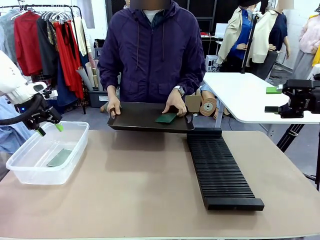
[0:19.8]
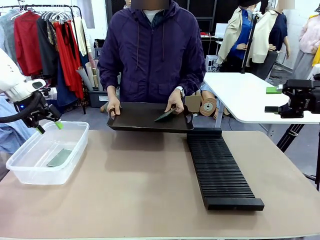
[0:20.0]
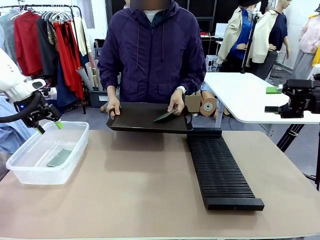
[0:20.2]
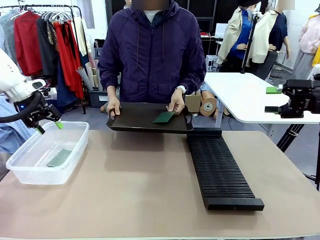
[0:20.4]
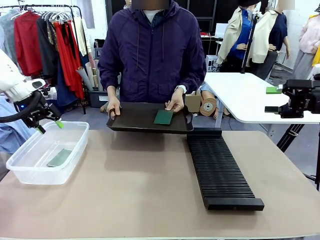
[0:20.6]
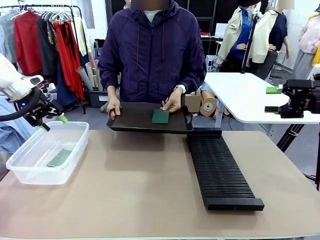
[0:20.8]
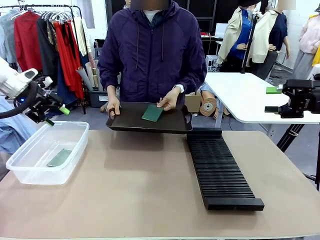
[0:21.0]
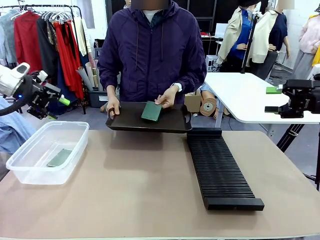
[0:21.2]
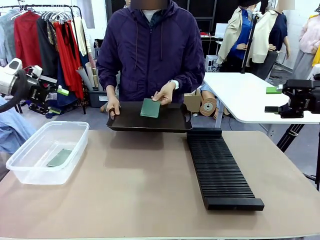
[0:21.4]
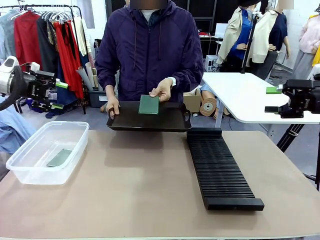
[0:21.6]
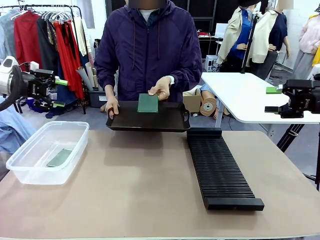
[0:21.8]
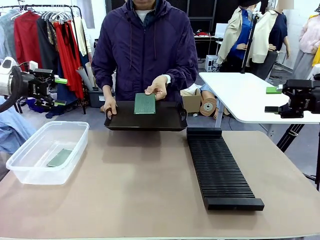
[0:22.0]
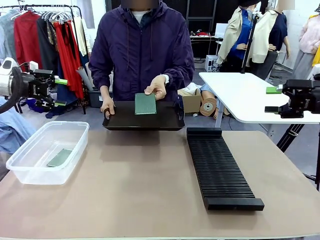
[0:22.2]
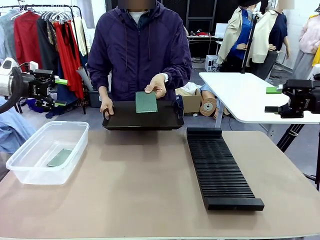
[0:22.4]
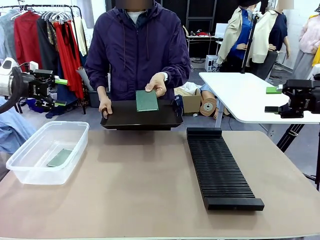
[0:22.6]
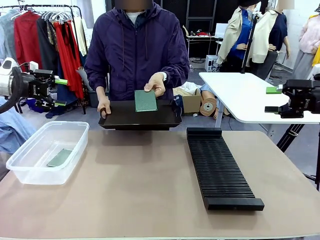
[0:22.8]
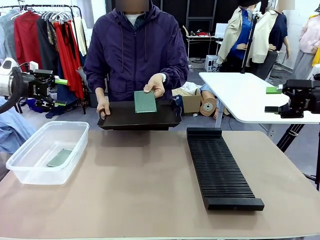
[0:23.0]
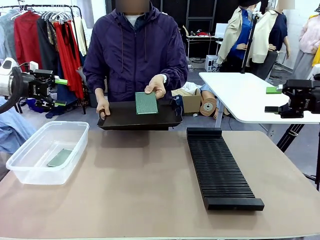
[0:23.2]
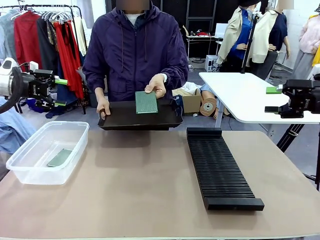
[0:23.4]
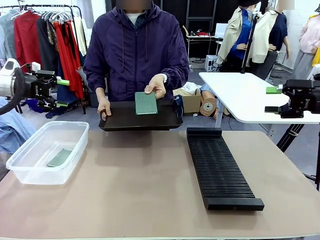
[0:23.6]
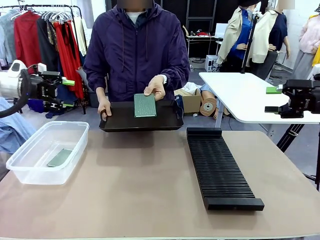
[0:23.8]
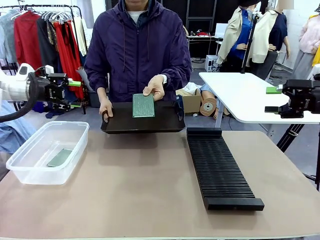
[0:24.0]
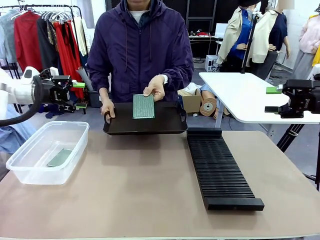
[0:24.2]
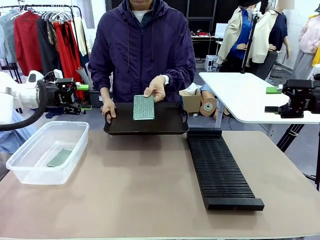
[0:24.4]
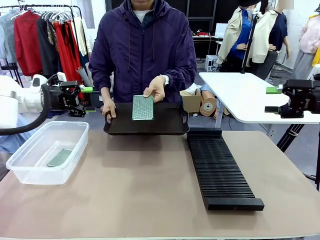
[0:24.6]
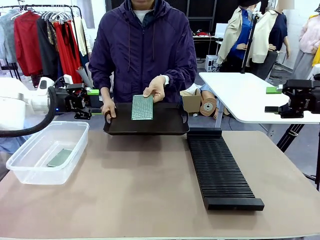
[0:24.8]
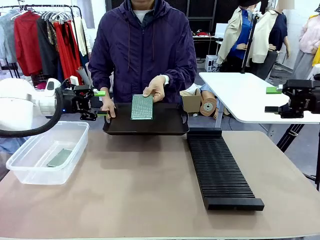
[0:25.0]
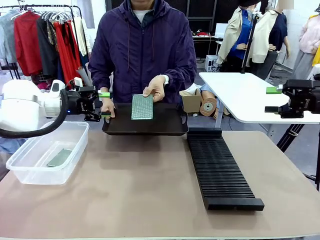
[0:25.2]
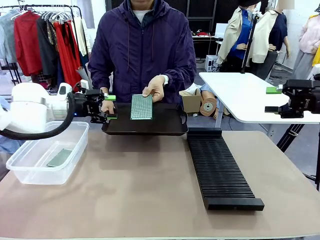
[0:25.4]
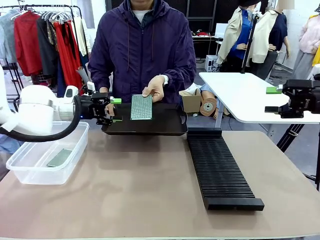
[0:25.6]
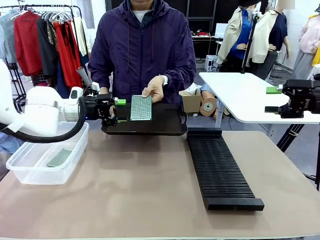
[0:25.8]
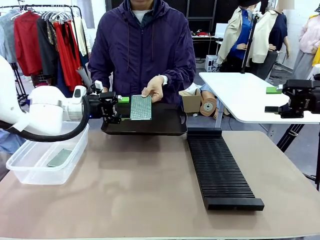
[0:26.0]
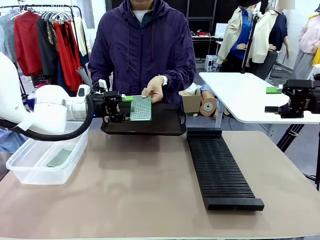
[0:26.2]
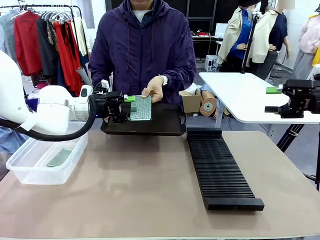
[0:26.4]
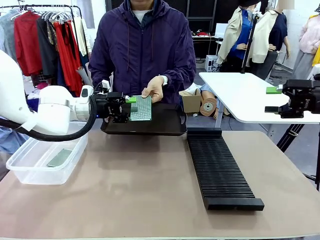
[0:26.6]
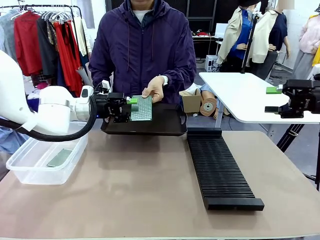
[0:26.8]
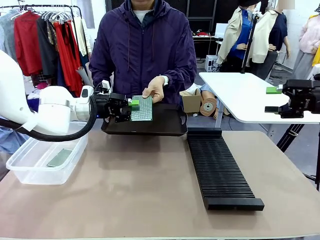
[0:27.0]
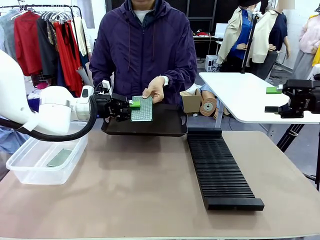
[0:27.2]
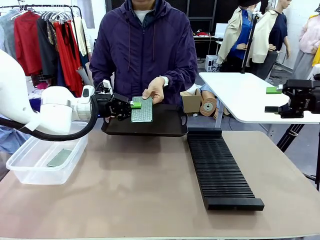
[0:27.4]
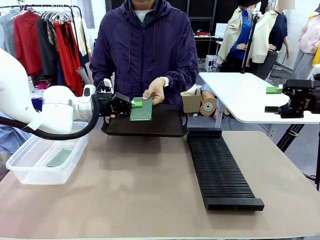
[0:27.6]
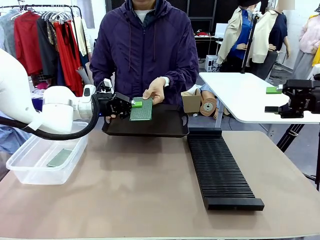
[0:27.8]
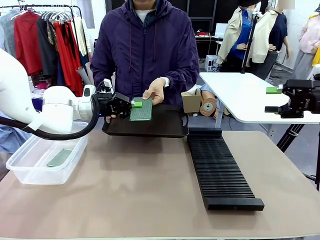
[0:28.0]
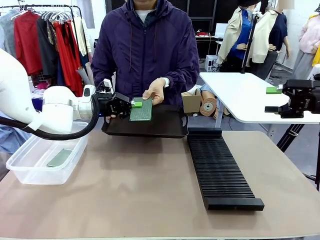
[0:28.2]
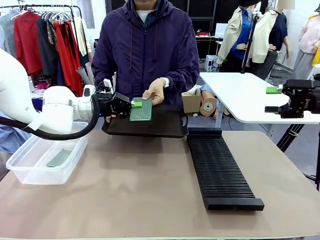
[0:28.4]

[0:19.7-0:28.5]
Task: Sort PCBs into racks and boxes based on the side picked up.
Robot: Pick up the Blank PCB handed by the Human.

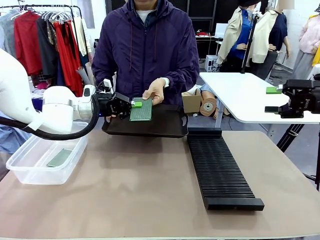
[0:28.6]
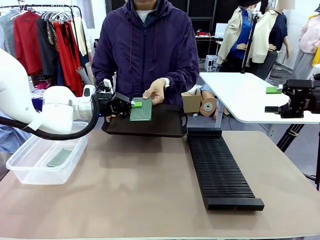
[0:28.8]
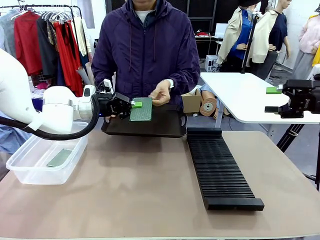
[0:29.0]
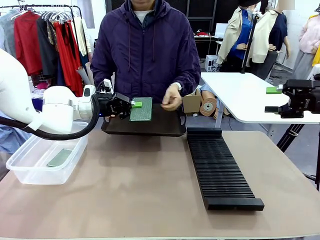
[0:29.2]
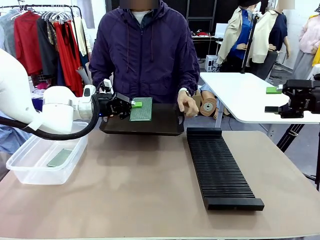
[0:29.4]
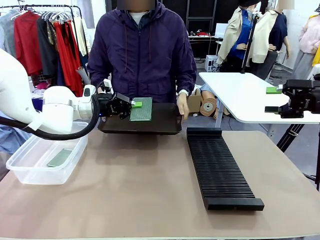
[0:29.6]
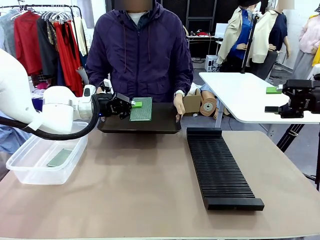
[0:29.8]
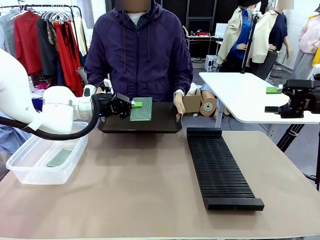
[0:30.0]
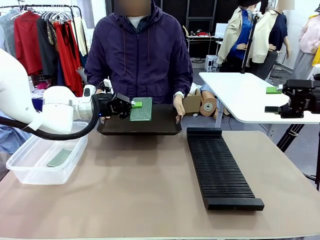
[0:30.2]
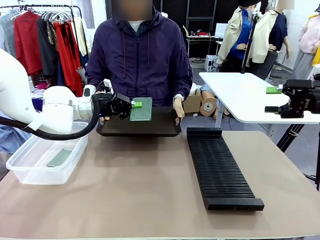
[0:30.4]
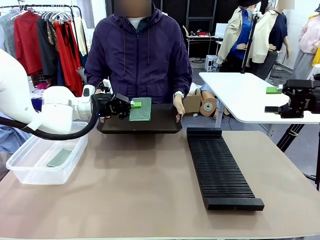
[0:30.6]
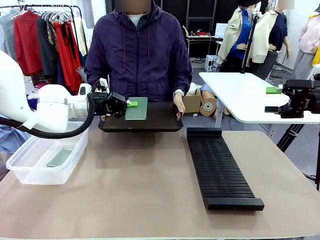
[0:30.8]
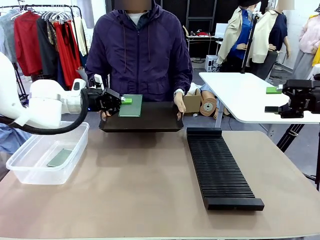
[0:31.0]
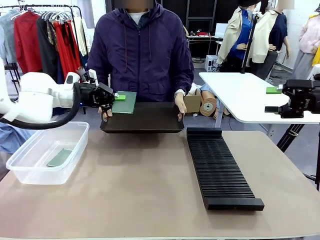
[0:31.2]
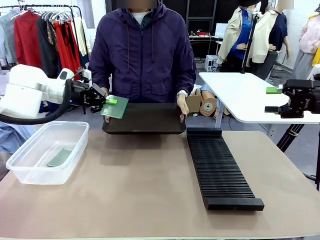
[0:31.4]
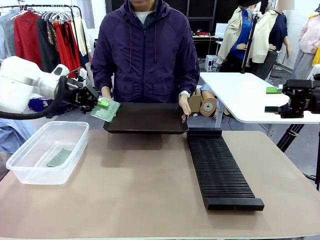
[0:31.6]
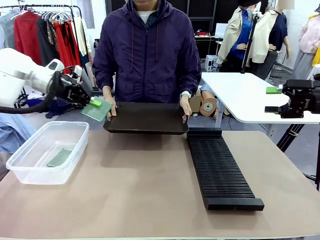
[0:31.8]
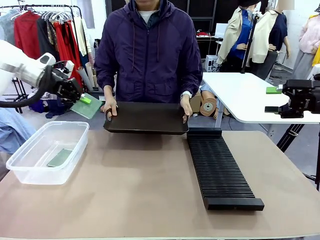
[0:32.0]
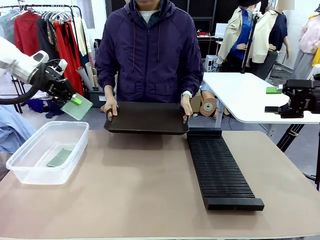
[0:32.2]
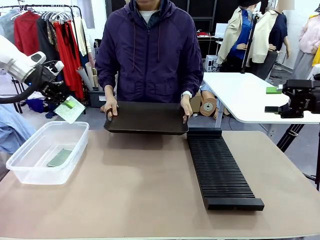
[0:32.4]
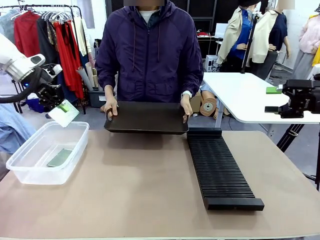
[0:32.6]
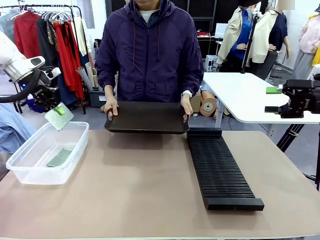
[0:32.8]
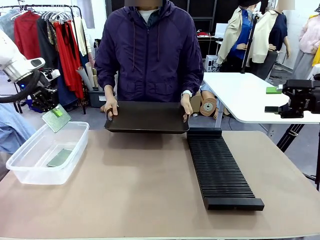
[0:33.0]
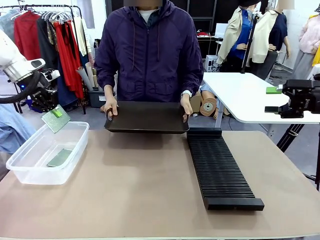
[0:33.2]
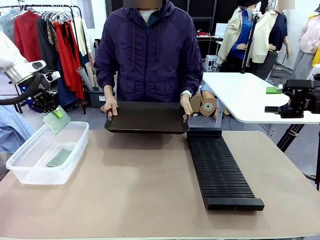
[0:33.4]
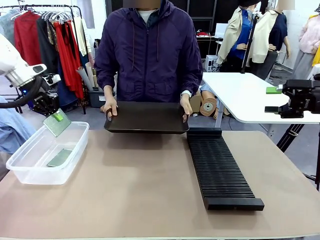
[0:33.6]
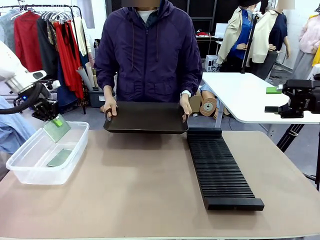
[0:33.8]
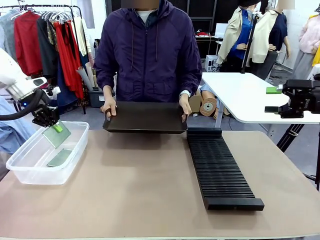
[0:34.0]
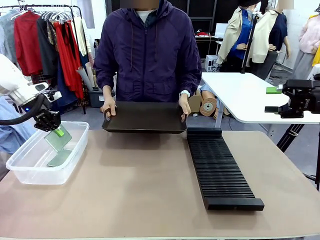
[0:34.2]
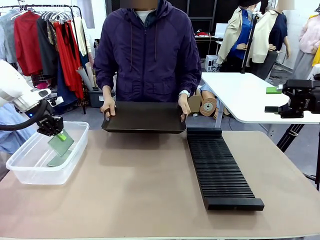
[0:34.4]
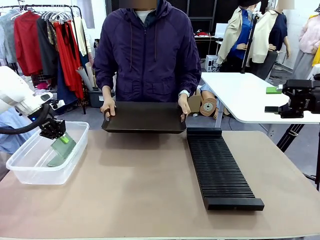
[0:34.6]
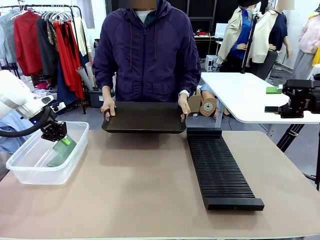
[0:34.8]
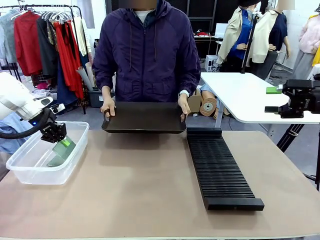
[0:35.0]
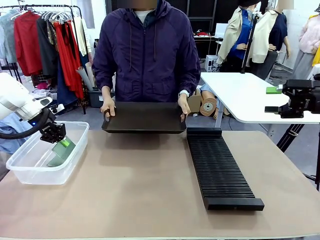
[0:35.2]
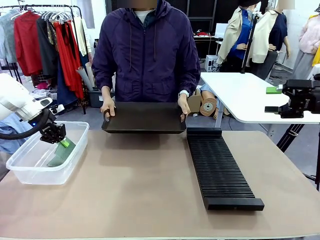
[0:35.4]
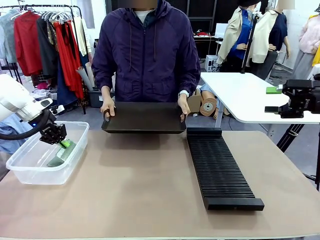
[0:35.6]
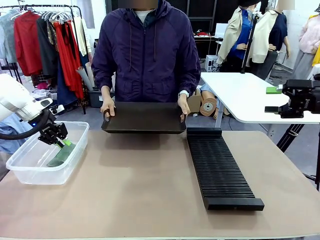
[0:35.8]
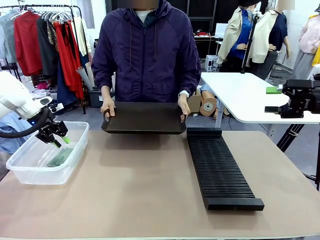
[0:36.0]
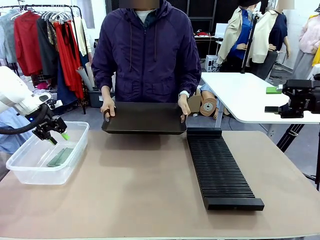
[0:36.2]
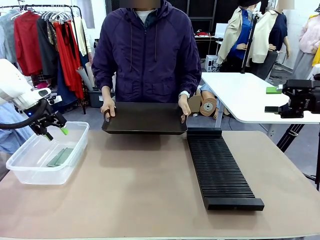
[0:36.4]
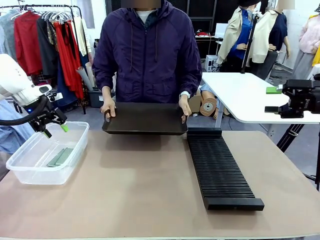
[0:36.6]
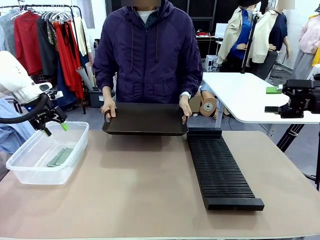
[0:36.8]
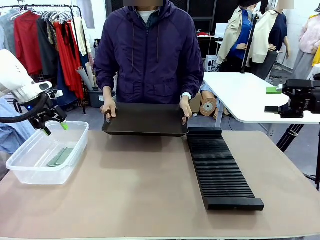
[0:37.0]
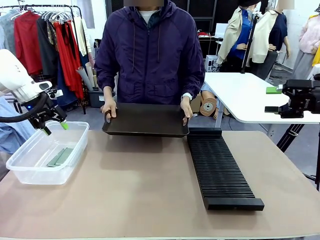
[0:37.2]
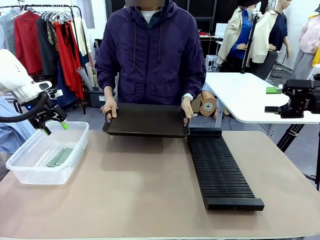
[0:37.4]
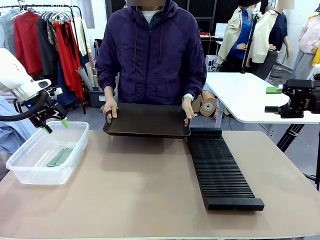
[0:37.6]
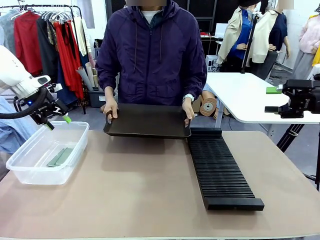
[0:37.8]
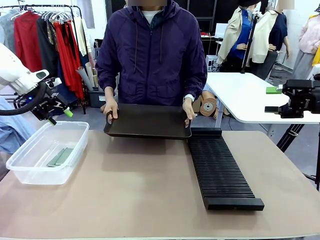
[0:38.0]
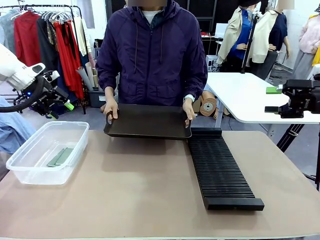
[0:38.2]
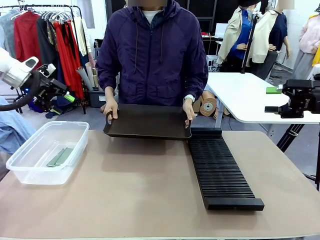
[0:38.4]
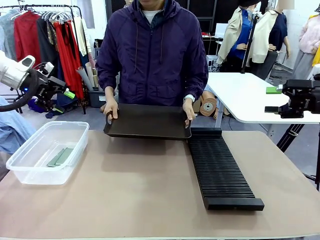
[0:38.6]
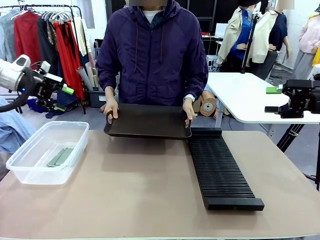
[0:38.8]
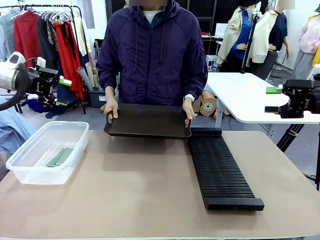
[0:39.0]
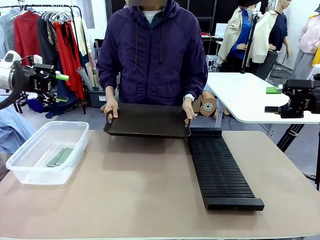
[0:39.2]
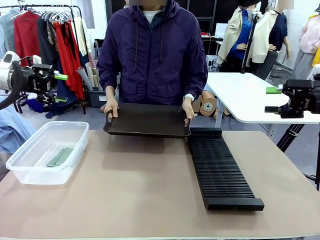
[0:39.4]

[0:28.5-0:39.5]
Robot: If the short side of the Blank PCB is picked up, insert it into the PCB Rack ; if the long side is picked up, place it in the Organizing box.
Person: Release the PCB being held.
